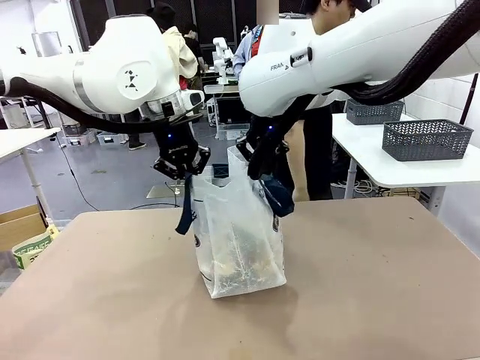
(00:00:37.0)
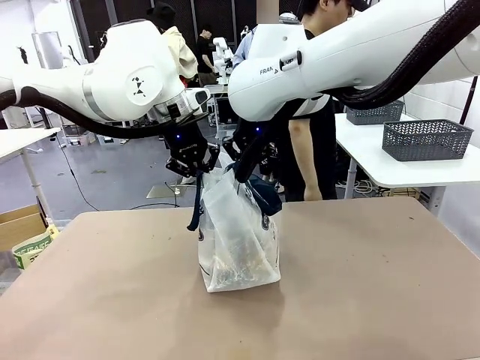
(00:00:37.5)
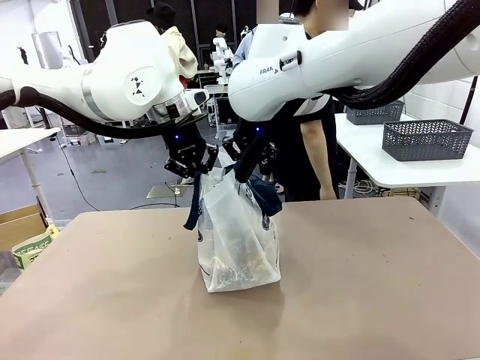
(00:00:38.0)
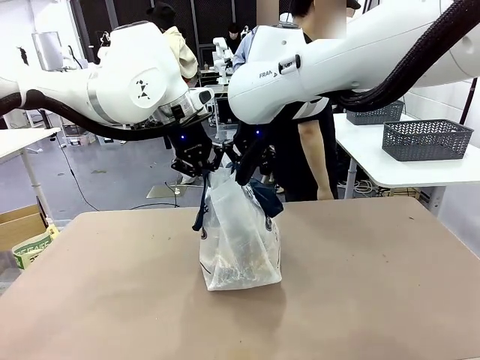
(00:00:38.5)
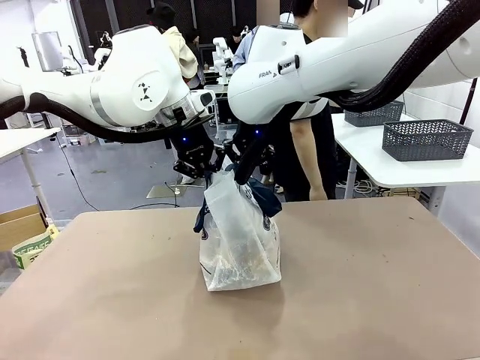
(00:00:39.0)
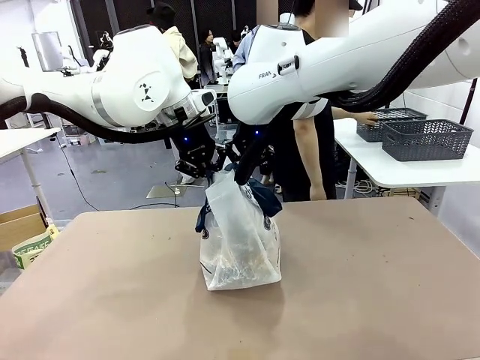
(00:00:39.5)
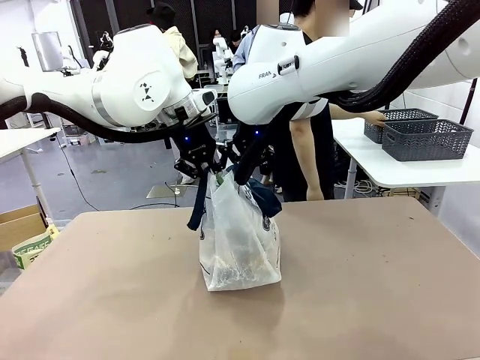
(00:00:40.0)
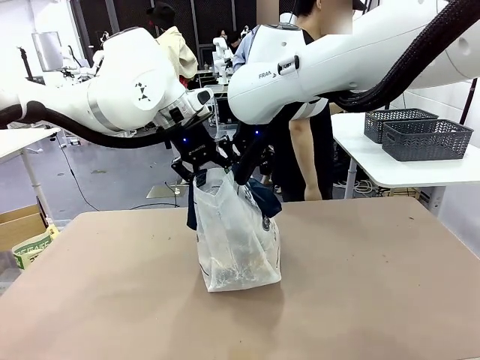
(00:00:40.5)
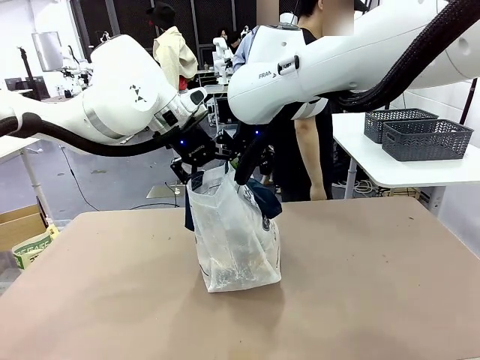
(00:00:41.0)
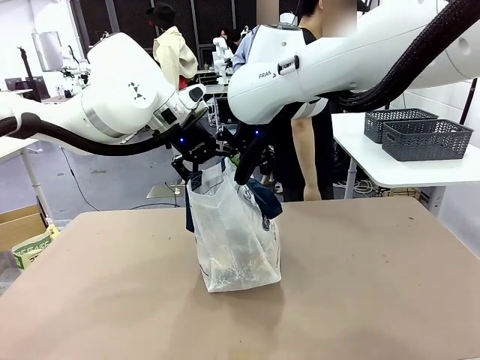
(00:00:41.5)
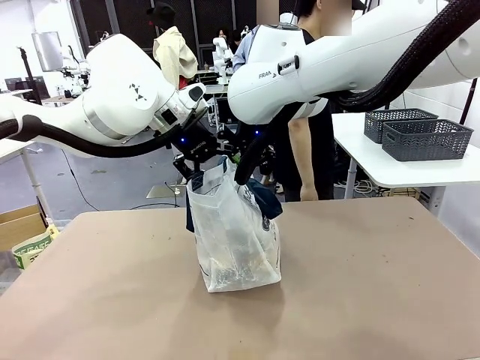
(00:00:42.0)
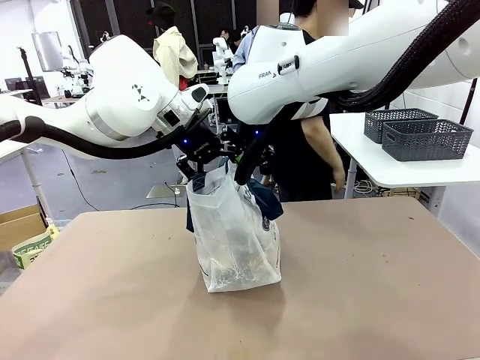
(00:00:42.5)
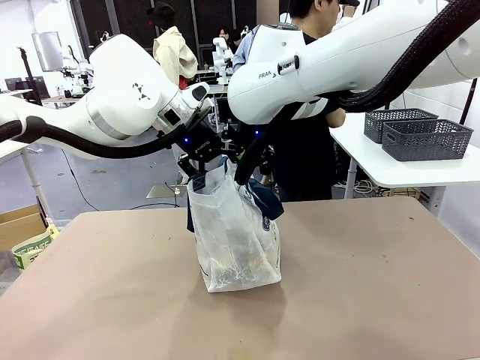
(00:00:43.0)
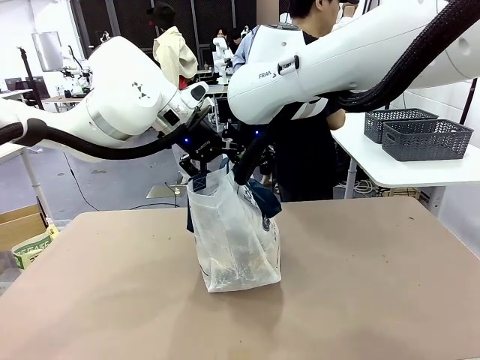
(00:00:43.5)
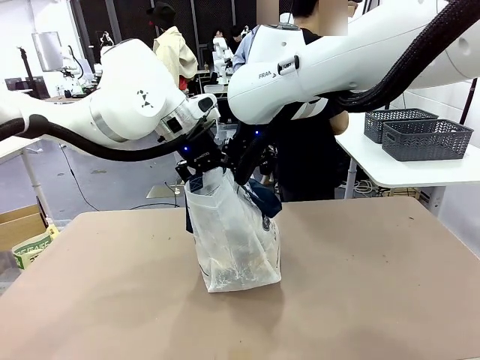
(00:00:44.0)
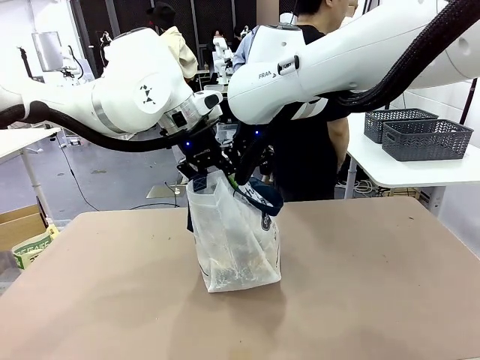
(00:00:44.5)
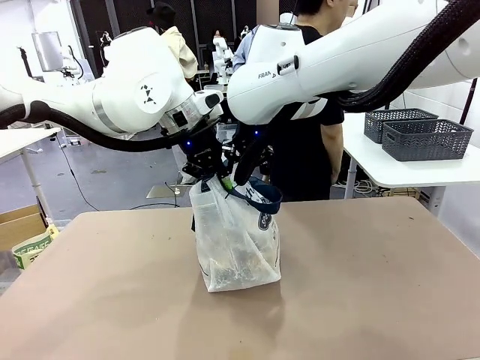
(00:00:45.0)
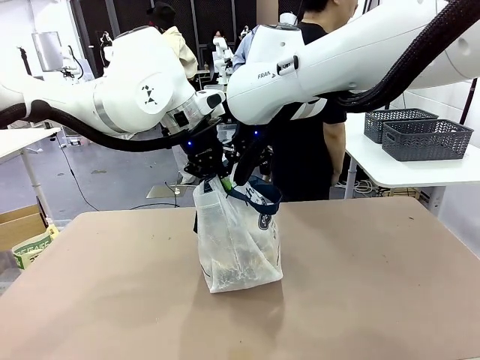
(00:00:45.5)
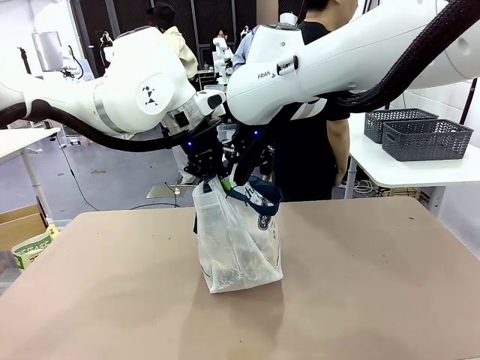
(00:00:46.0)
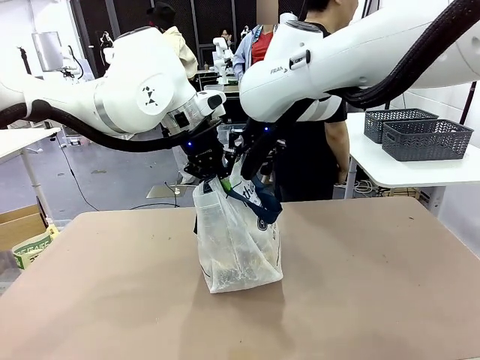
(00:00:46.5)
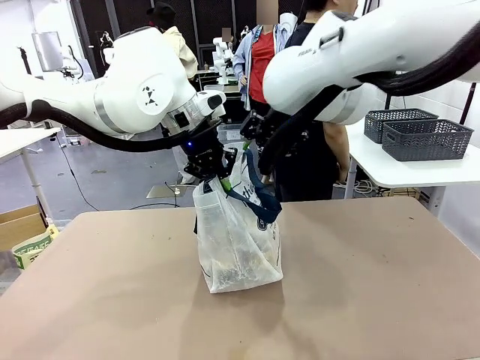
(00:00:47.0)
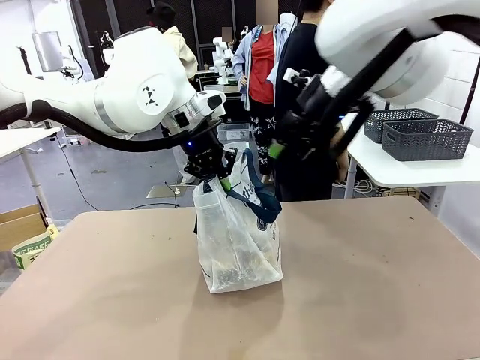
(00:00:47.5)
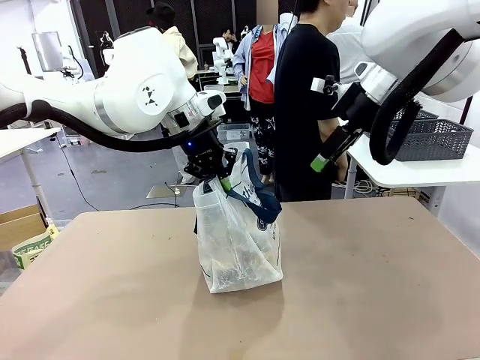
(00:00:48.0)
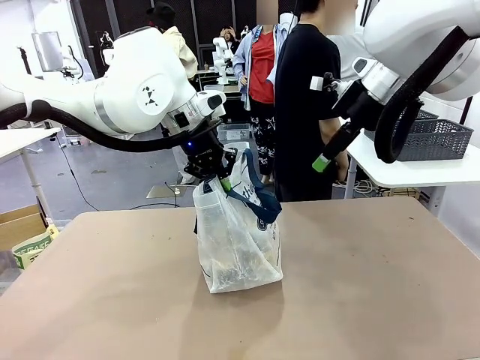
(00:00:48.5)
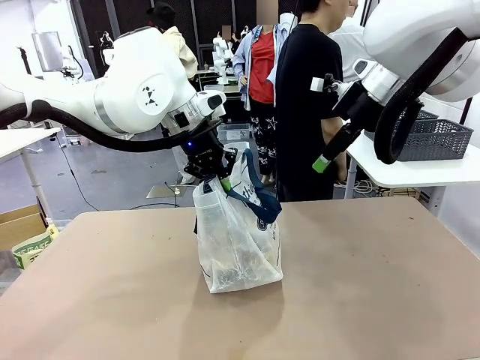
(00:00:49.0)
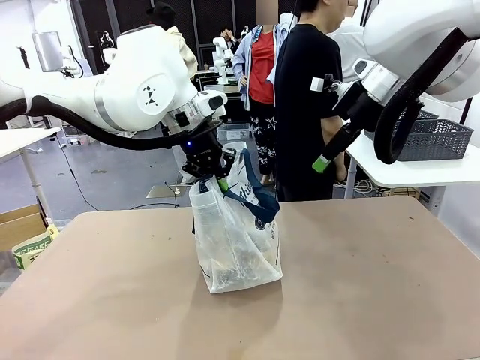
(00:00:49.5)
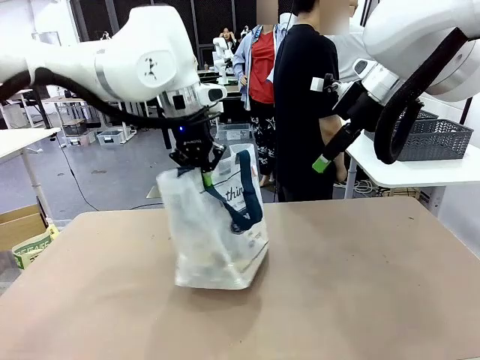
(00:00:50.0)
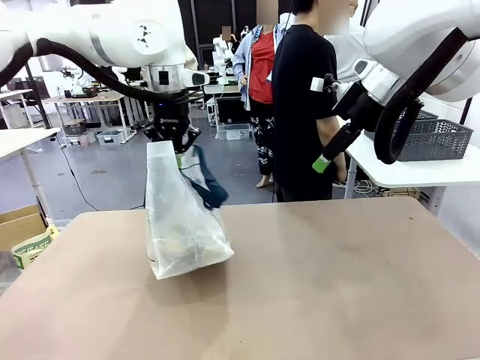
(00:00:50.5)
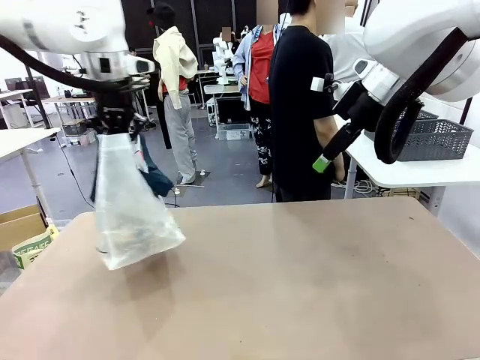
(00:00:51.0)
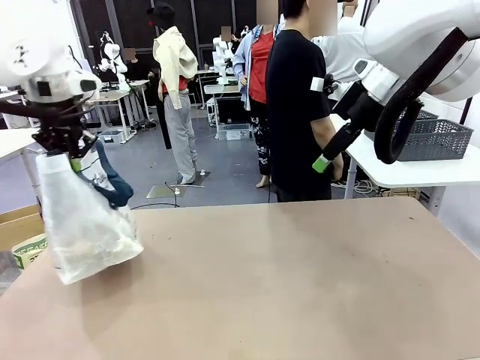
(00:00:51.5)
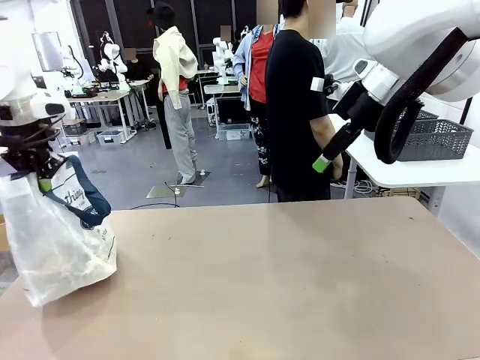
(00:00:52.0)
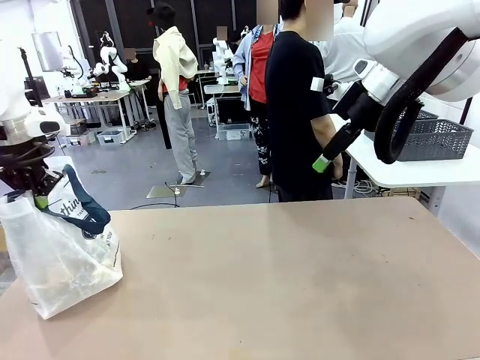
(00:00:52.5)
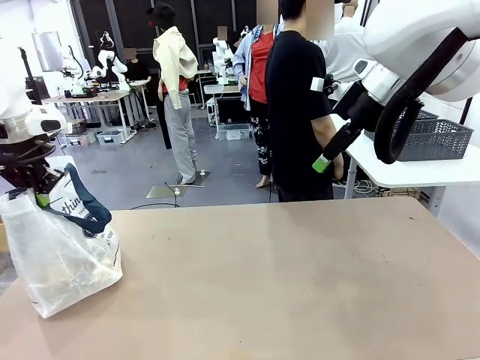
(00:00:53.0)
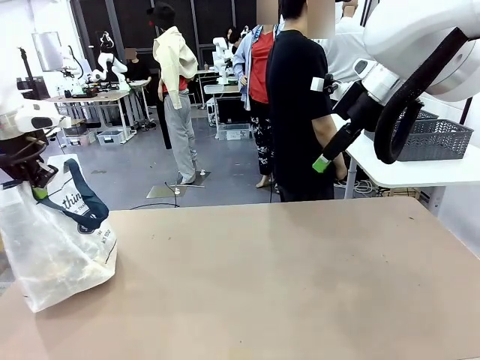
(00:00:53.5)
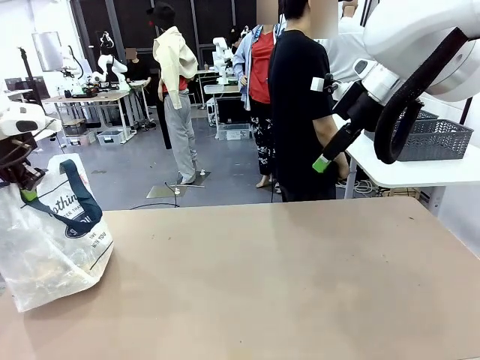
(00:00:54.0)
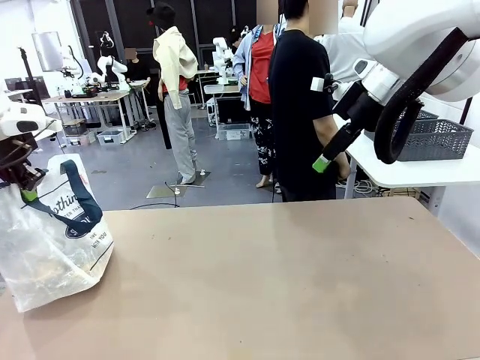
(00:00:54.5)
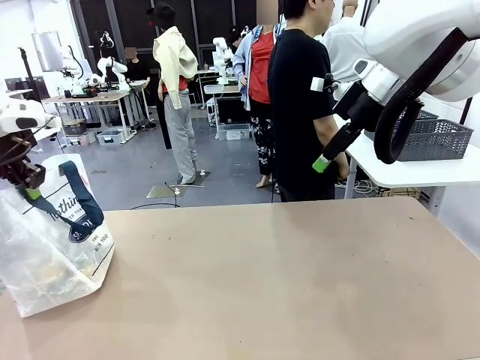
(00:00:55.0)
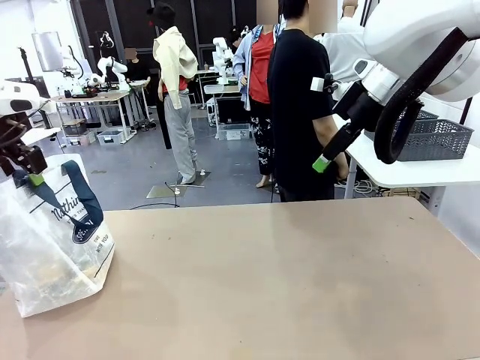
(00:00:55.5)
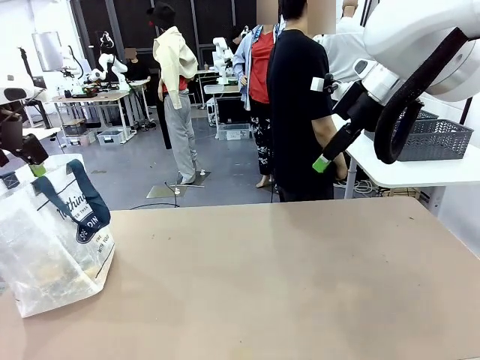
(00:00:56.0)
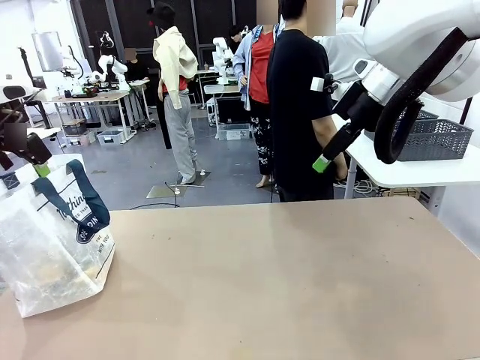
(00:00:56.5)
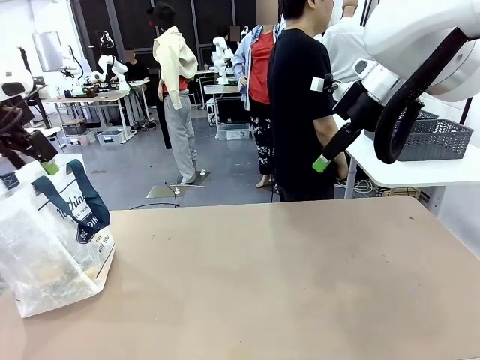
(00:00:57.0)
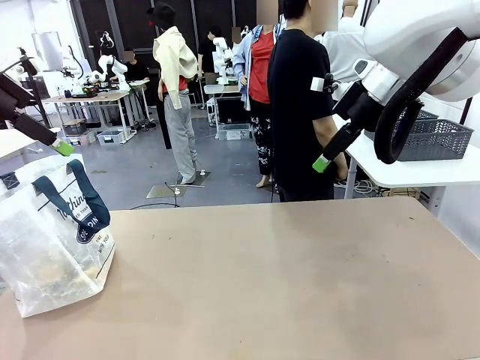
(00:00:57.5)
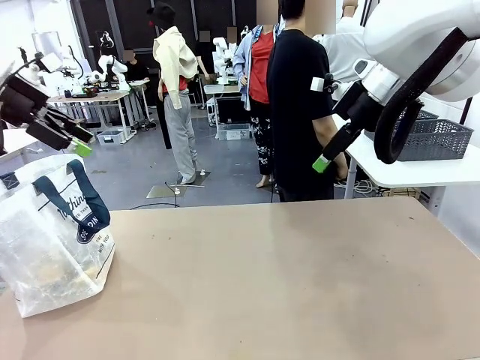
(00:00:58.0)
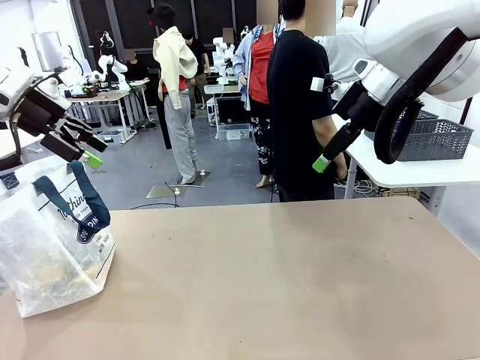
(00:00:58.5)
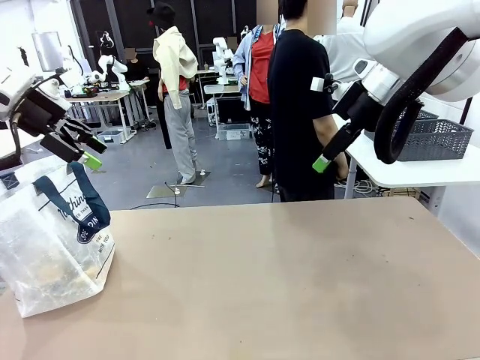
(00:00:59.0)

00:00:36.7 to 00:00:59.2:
Task: Transfer purchased items from the store into the shopping bag.
Robot: Move the Reusable shopping bag to the right side of the table.
Person: Move the basket on the left to the middle of the person's table.
